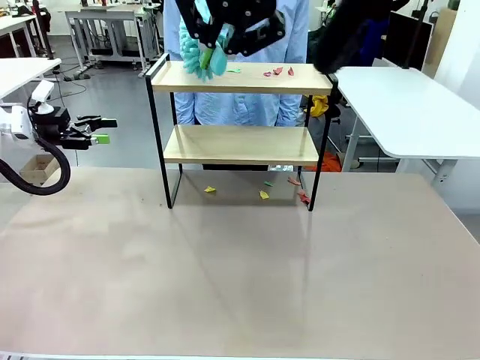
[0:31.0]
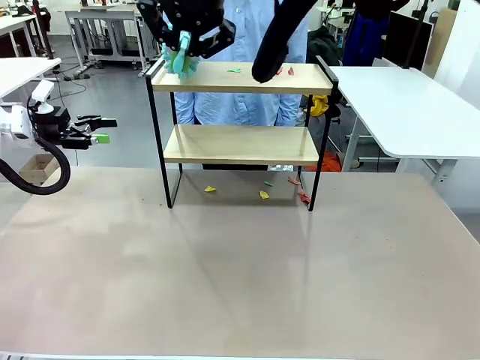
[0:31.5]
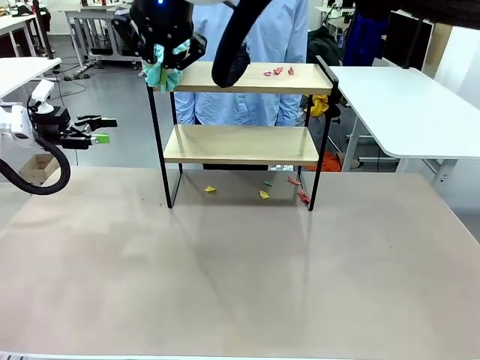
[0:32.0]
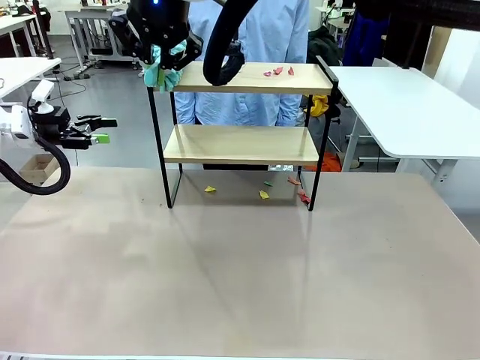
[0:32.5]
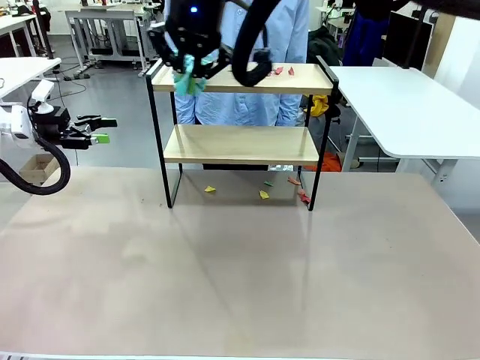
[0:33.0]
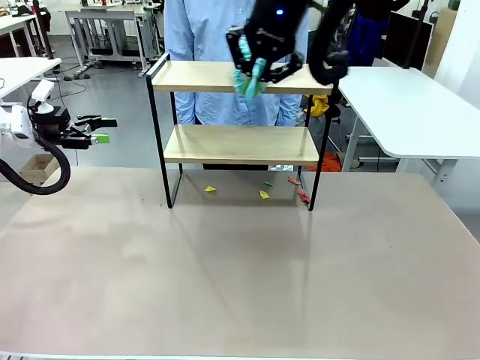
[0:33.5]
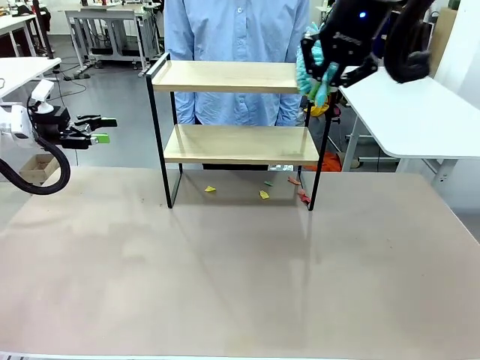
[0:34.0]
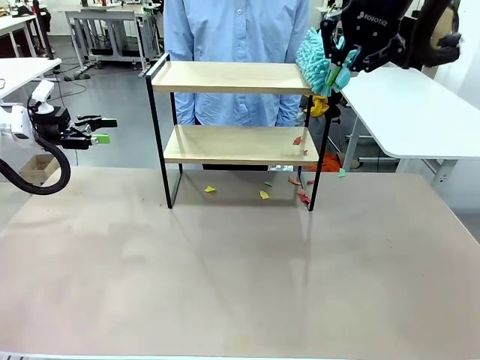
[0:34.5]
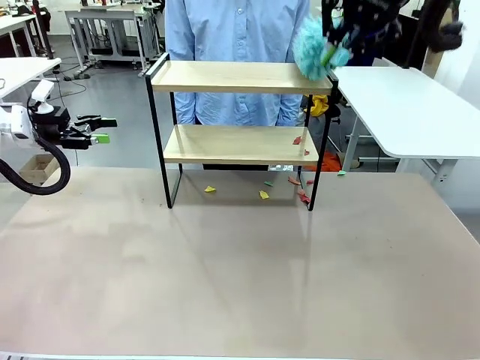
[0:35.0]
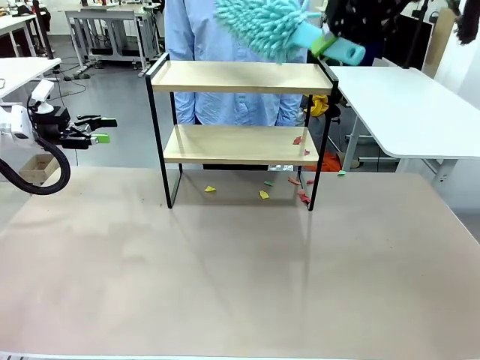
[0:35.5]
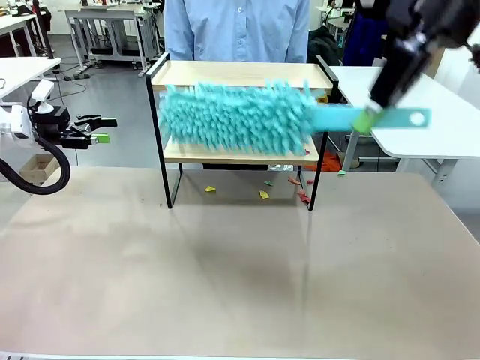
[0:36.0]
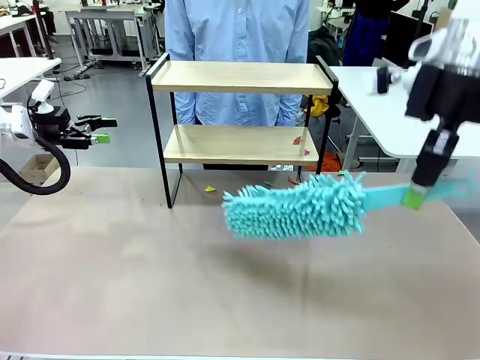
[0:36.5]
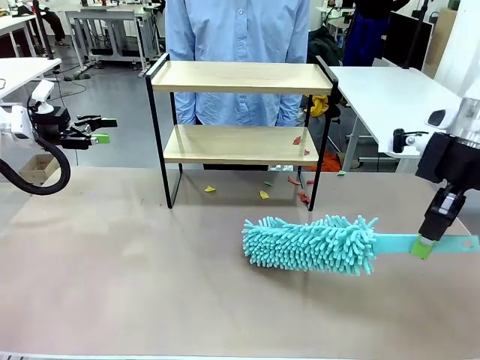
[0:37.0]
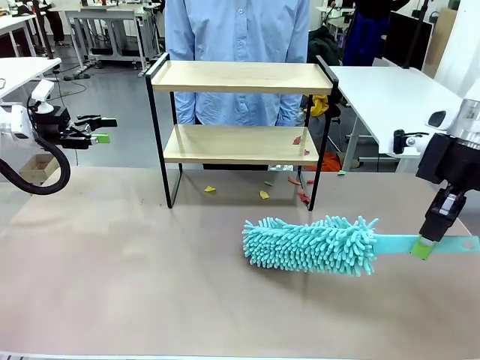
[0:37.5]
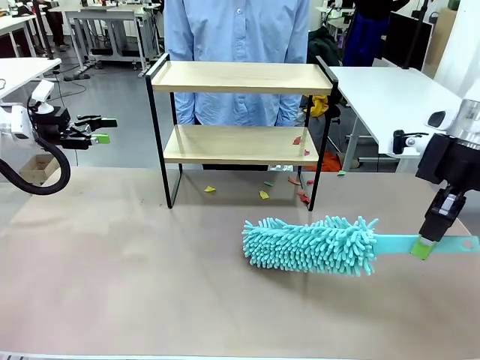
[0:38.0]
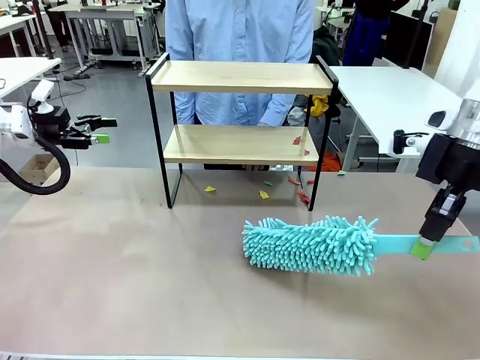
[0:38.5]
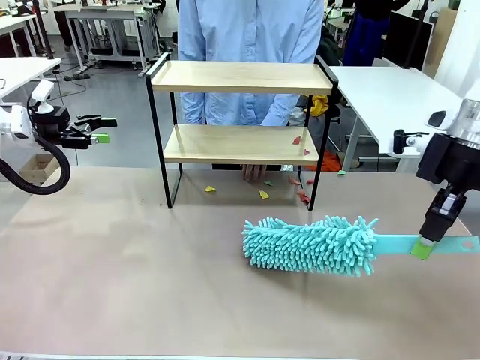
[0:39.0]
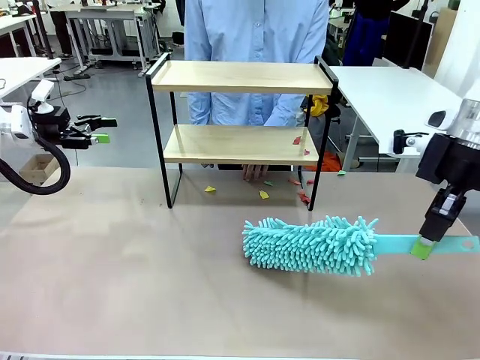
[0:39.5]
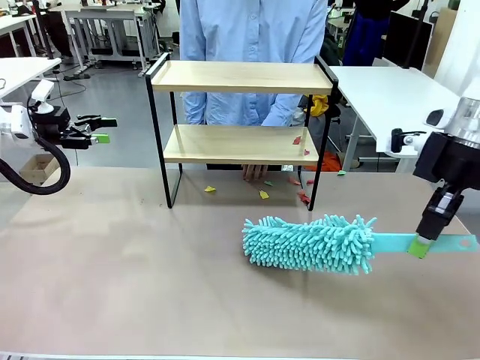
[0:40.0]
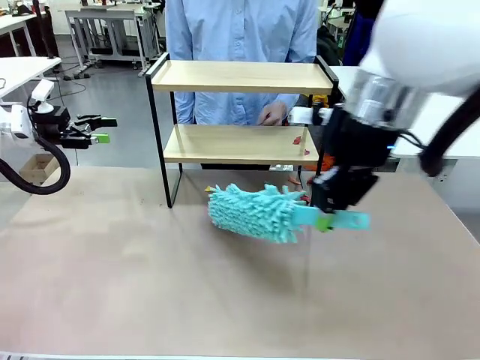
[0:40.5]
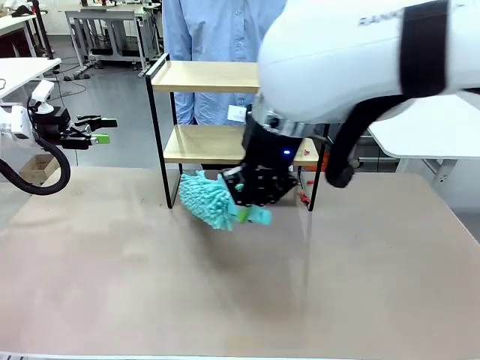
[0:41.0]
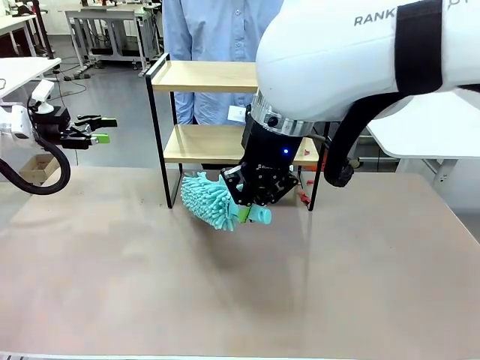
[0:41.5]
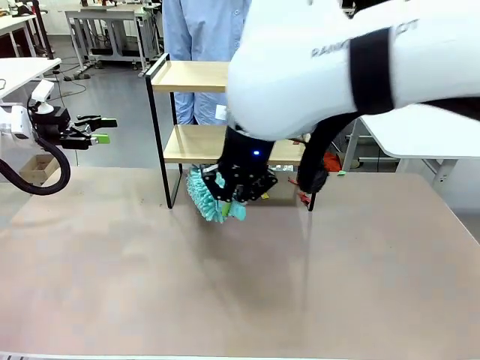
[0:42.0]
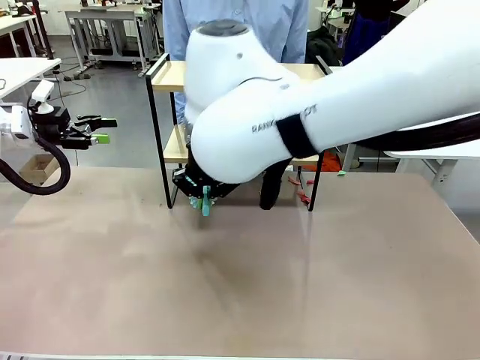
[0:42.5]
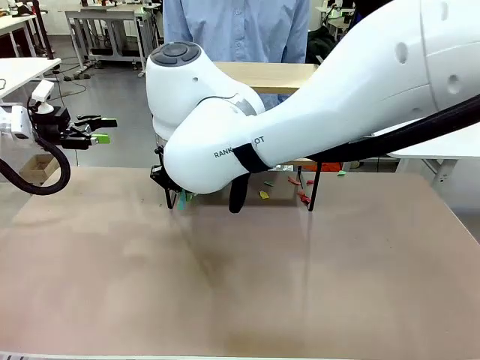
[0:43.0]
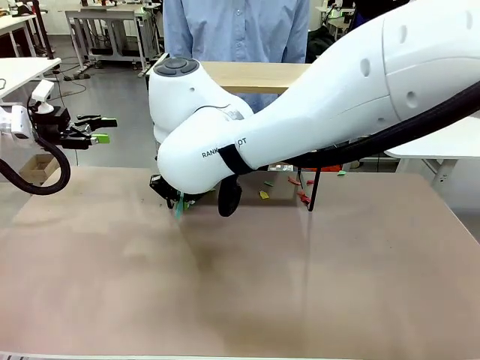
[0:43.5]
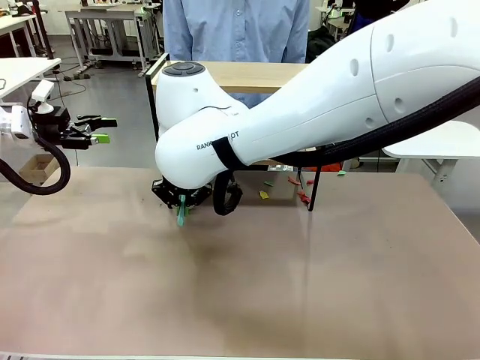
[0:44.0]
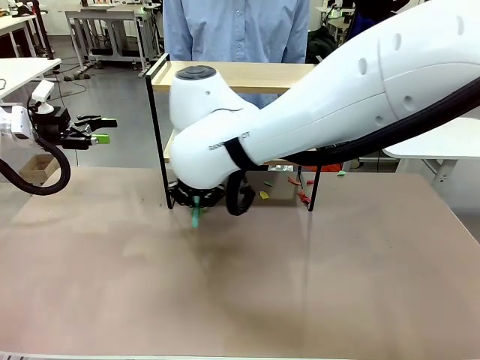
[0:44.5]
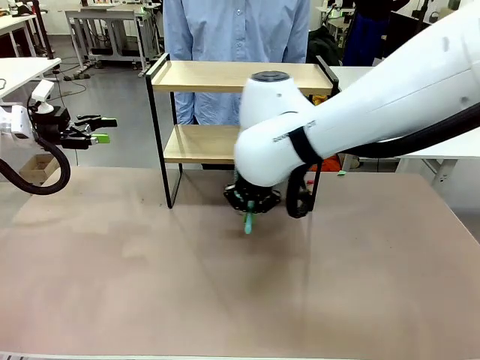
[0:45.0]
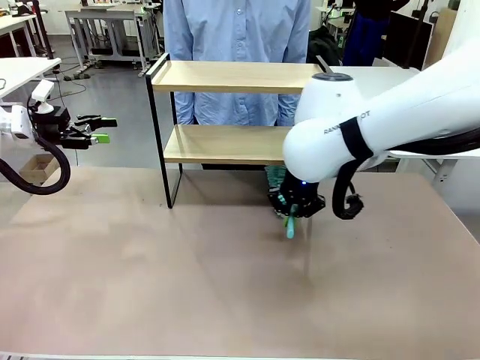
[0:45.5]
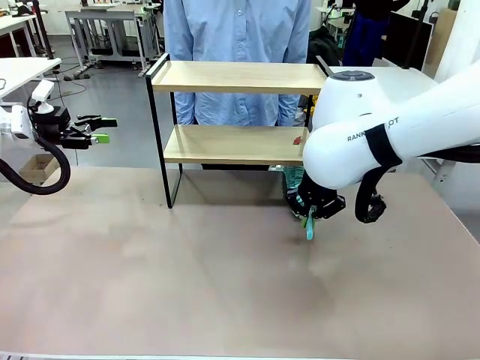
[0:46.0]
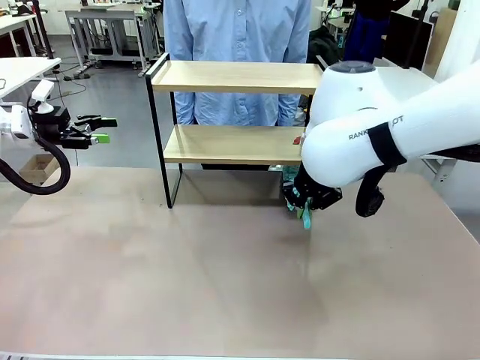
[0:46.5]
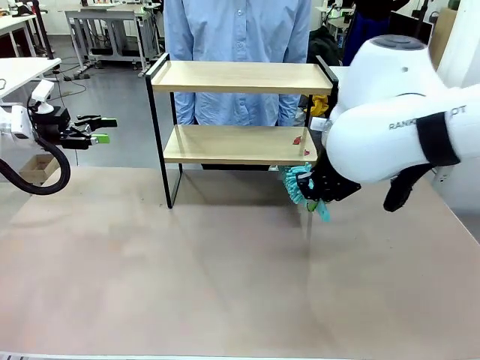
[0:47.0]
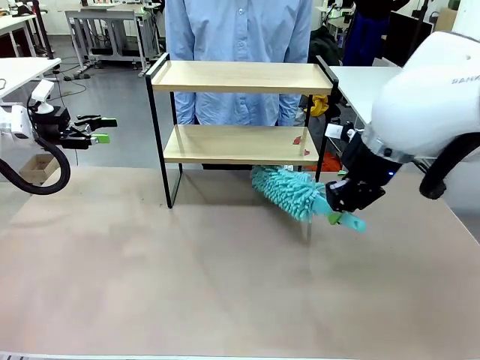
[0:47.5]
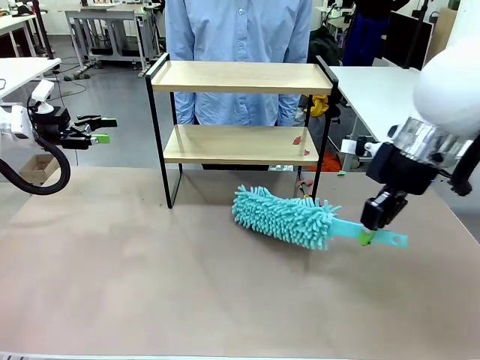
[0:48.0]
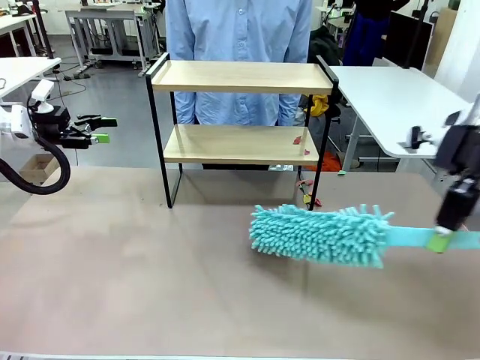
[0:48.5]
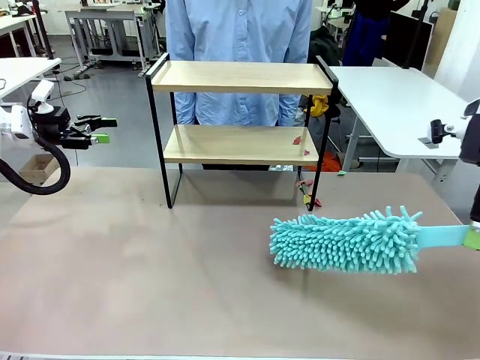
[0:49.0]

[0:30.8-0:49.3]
Task: Clean the shelf.
Robot: Clean the specific section of the Shelf indicated by the human with the Duster.
Person: Point a remaining section of the Shelf.

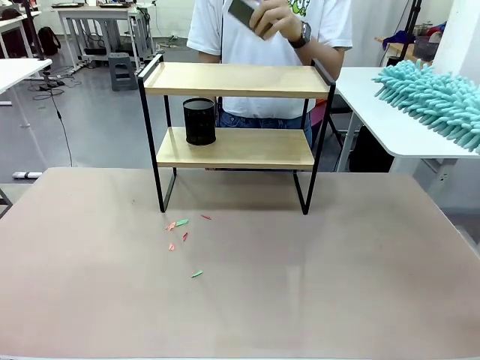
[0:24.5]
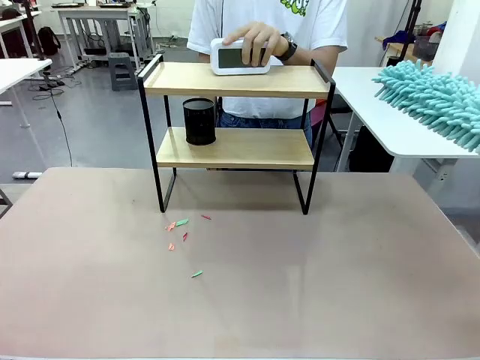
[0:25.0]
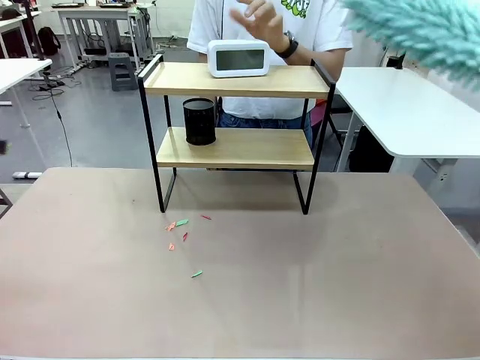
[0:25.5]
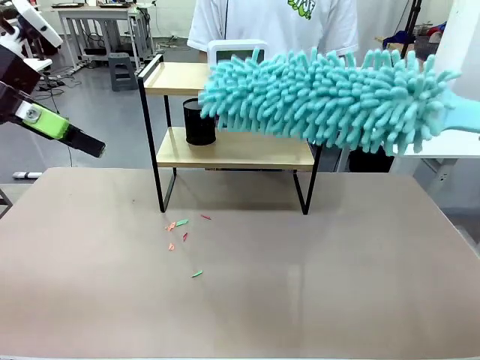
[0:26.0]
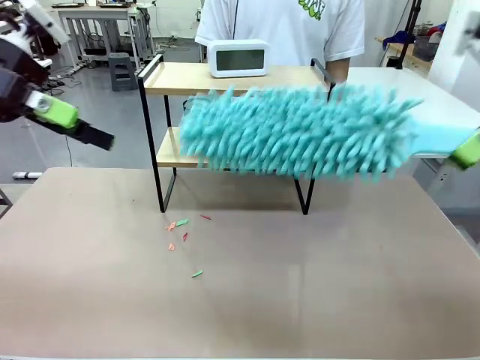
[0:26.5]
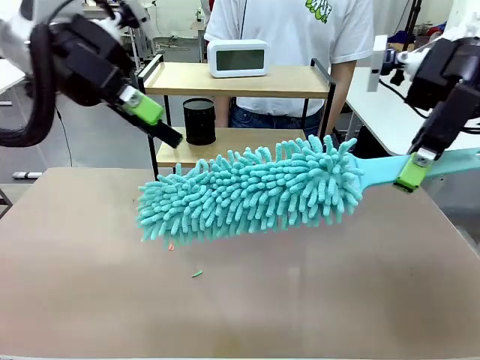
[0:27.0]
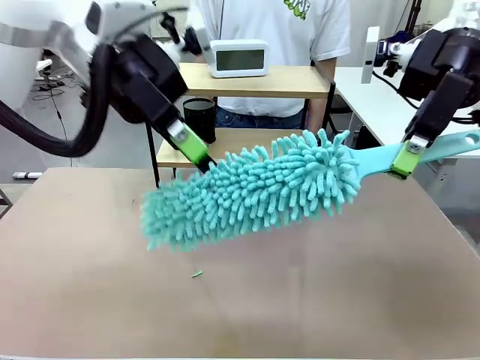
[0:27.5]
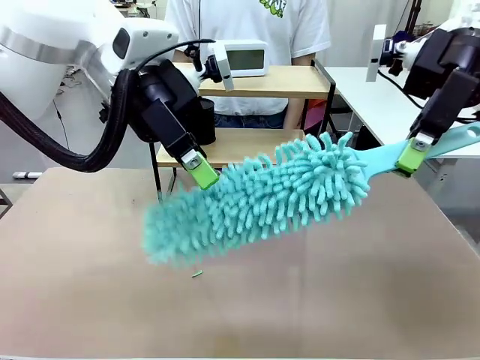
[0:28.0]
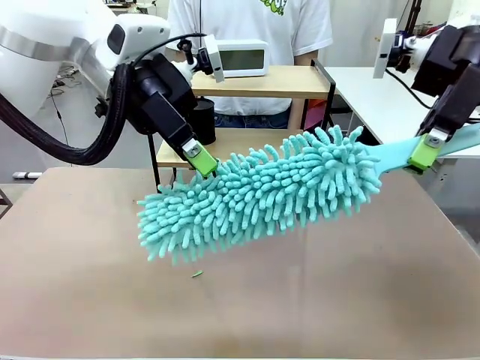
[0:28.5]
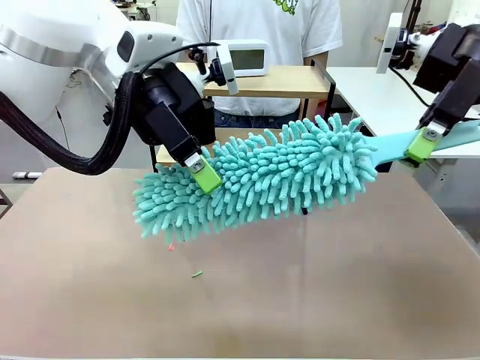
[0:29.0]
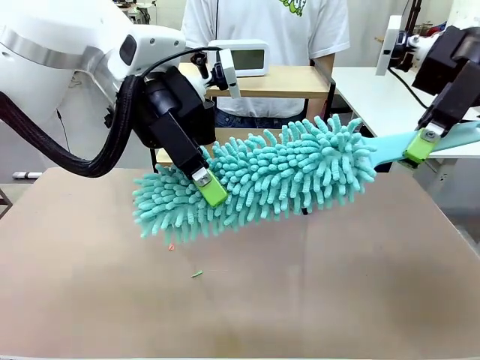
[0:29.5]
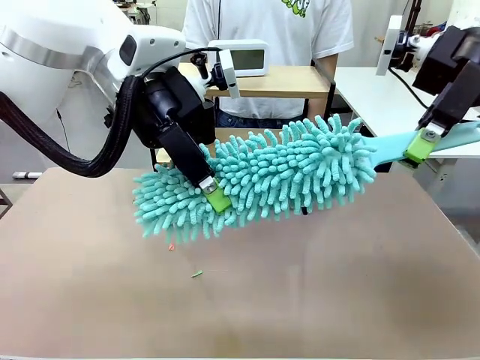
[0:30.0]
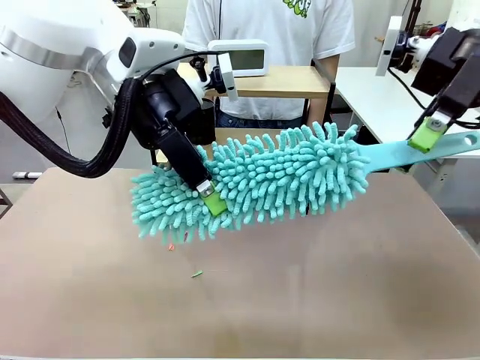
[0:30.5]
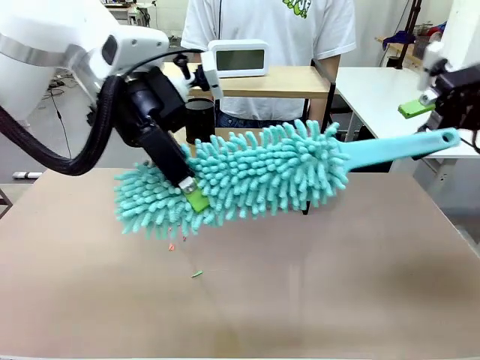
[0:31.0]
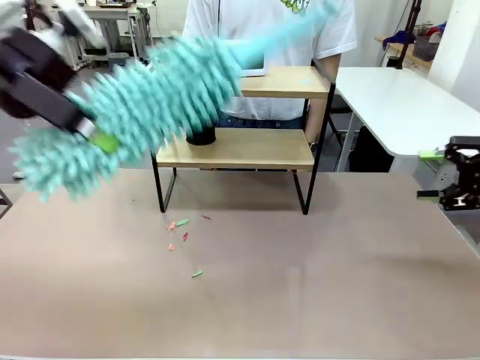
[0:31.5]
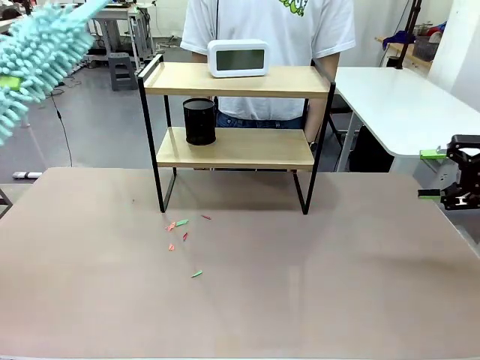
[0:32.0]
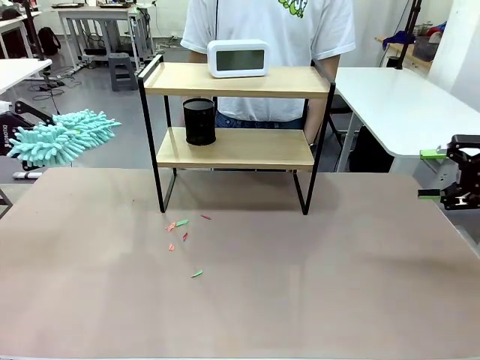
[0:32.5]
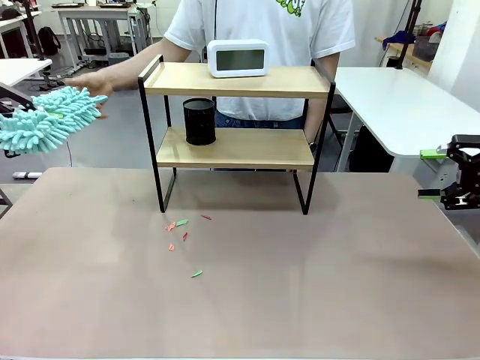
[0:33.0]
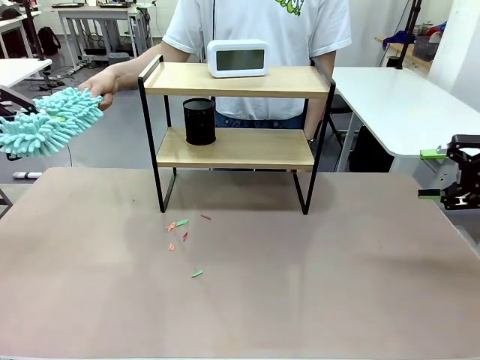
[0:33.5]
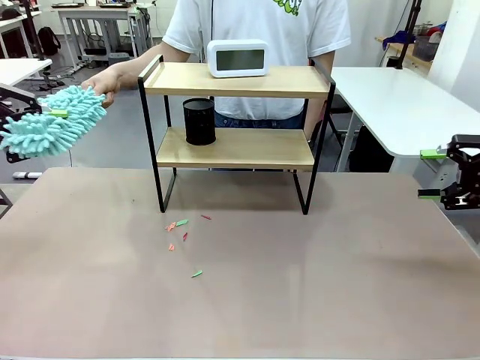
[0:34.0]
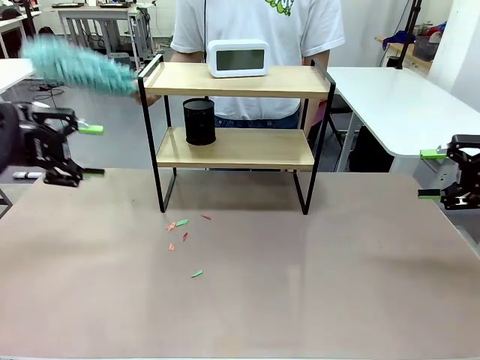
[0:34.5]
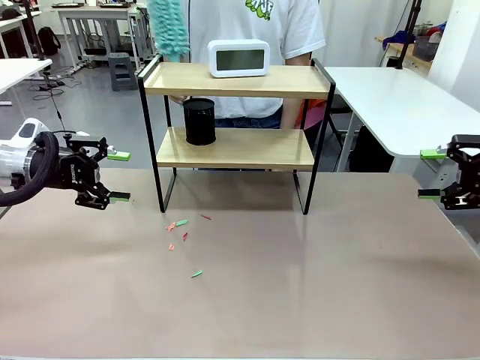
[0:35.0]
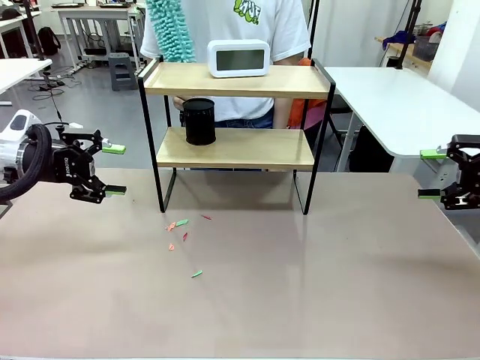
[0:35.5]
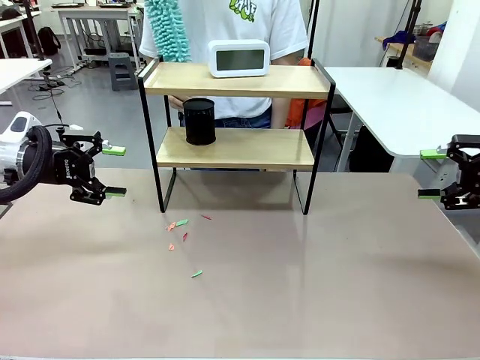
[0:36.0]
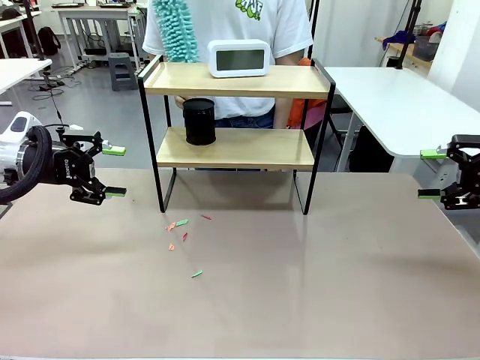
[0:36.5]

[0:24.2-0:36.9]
Task: Clean the shelf.
Robot: Hand the Duster back to the human.
Person: Receive the Duster from the robot.
